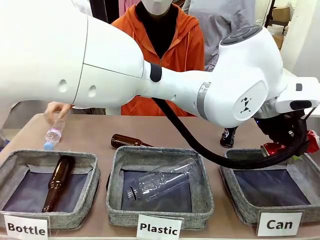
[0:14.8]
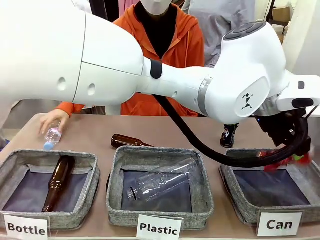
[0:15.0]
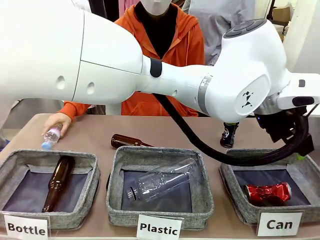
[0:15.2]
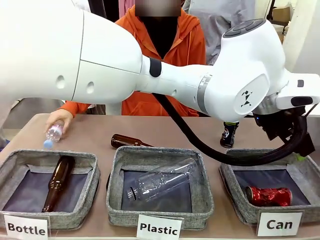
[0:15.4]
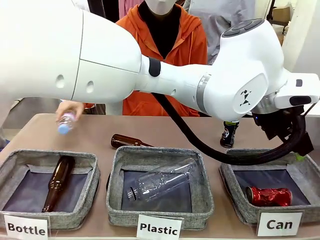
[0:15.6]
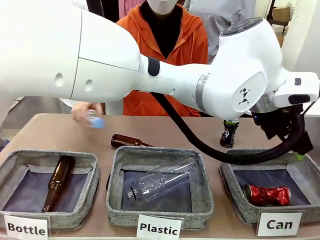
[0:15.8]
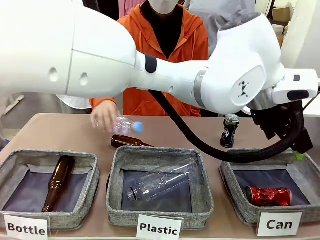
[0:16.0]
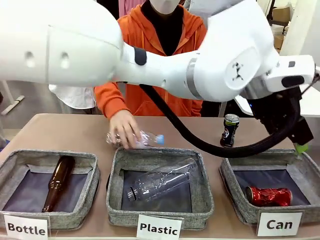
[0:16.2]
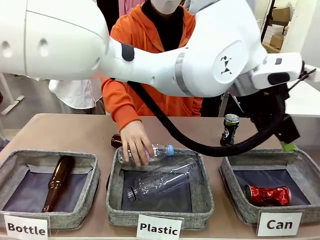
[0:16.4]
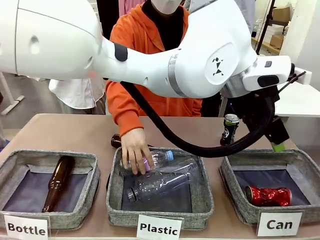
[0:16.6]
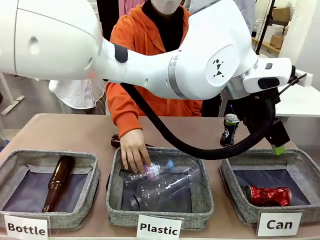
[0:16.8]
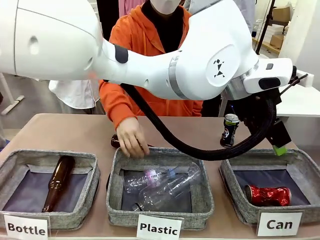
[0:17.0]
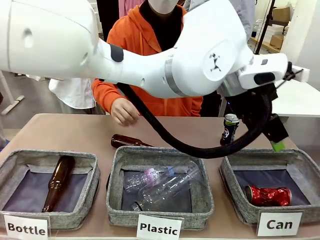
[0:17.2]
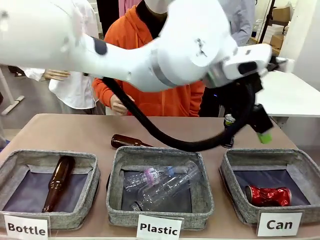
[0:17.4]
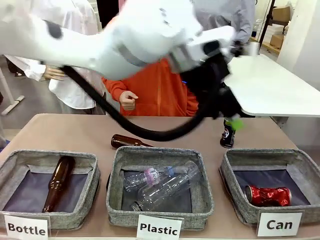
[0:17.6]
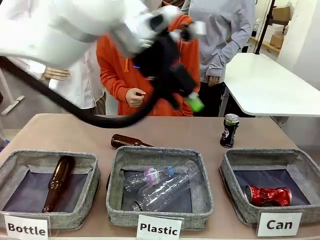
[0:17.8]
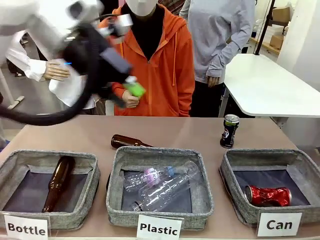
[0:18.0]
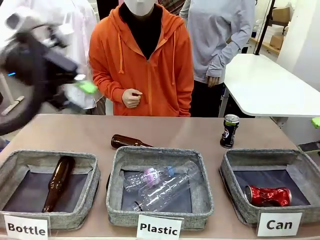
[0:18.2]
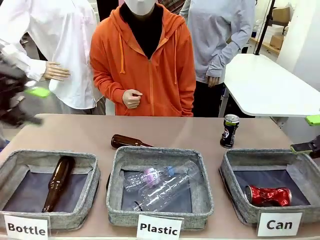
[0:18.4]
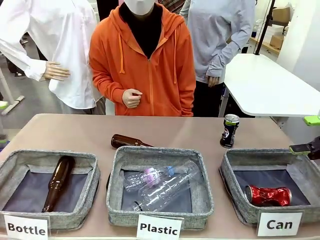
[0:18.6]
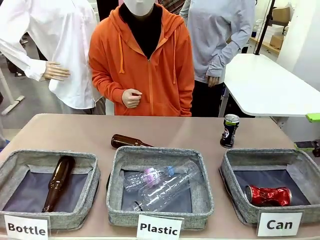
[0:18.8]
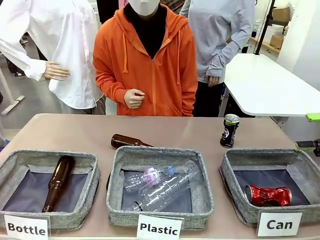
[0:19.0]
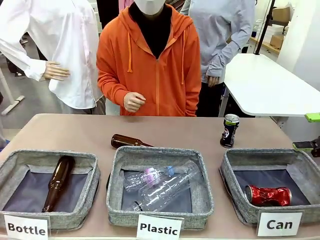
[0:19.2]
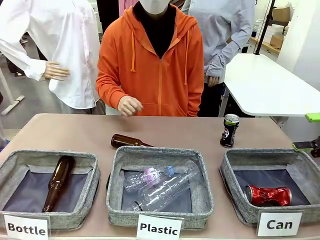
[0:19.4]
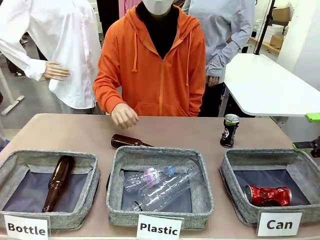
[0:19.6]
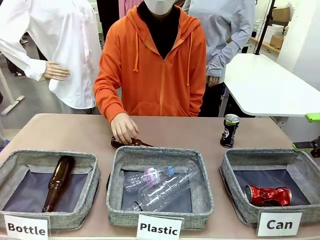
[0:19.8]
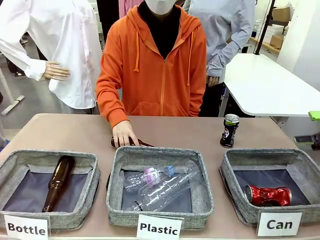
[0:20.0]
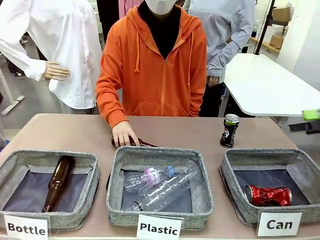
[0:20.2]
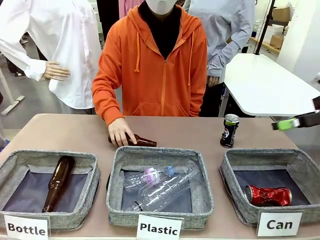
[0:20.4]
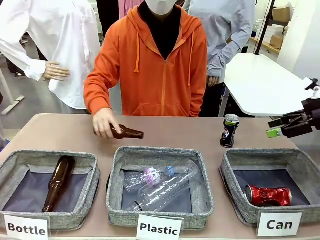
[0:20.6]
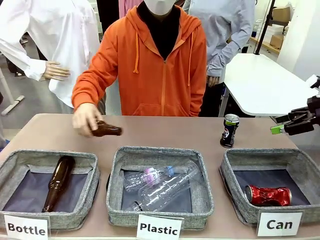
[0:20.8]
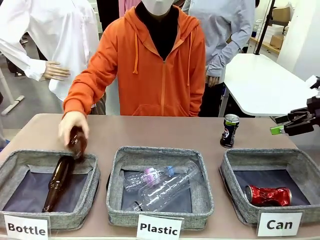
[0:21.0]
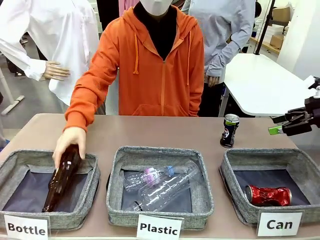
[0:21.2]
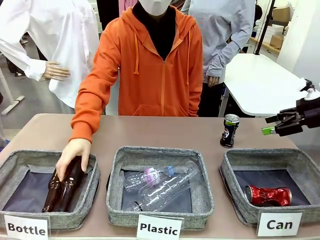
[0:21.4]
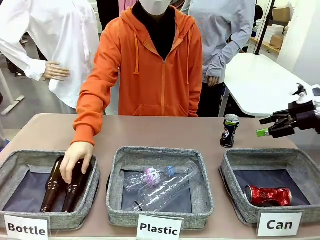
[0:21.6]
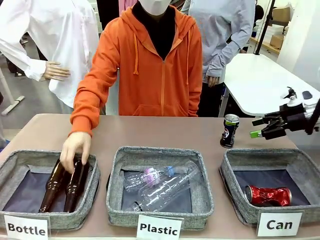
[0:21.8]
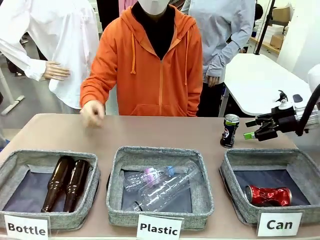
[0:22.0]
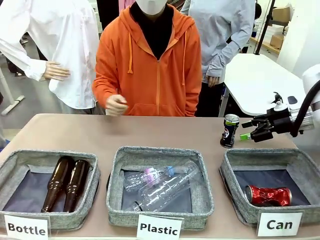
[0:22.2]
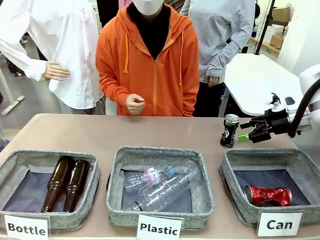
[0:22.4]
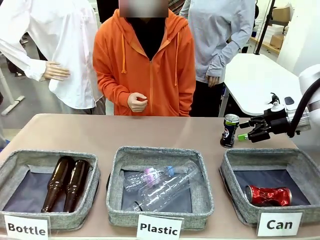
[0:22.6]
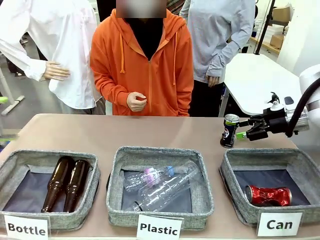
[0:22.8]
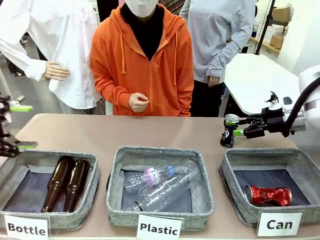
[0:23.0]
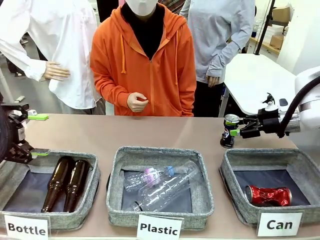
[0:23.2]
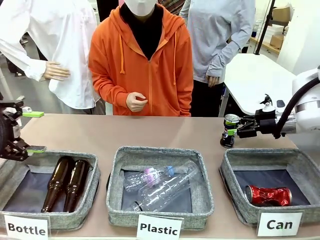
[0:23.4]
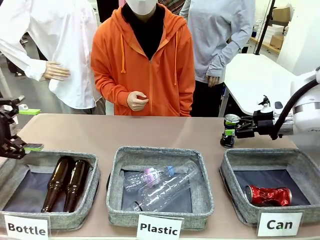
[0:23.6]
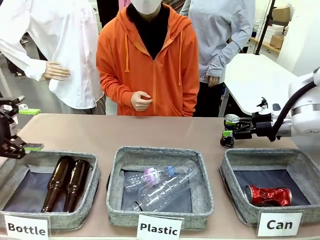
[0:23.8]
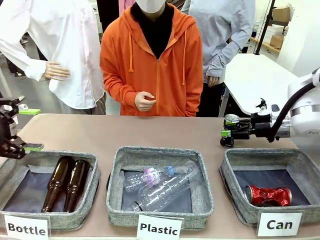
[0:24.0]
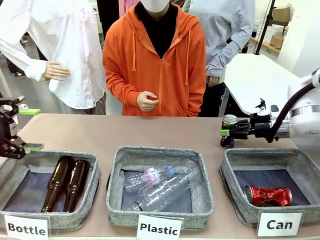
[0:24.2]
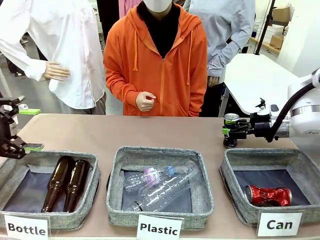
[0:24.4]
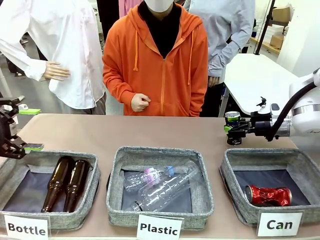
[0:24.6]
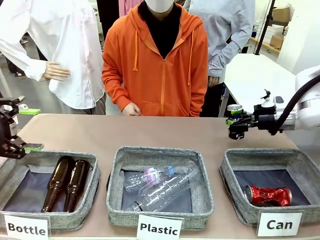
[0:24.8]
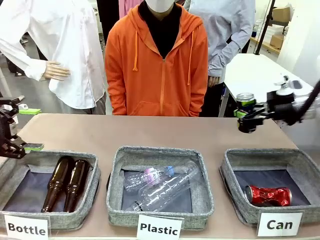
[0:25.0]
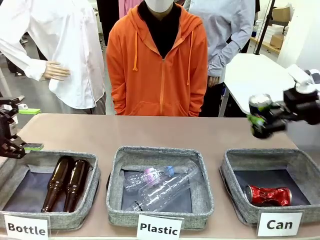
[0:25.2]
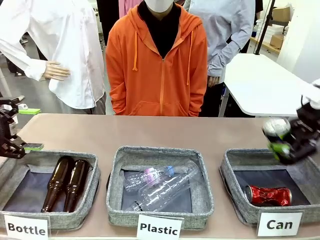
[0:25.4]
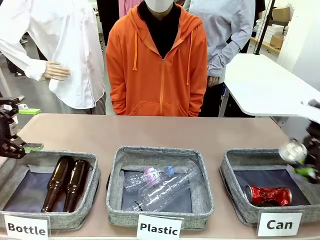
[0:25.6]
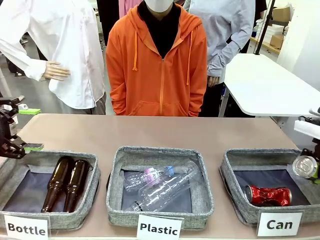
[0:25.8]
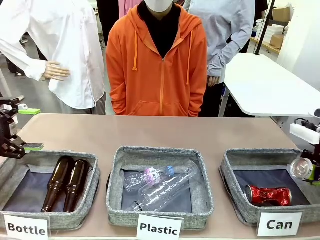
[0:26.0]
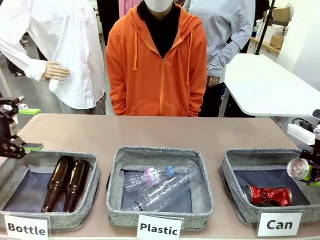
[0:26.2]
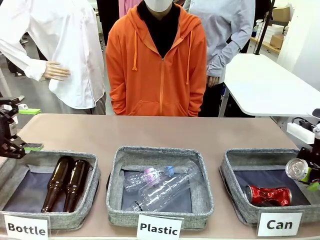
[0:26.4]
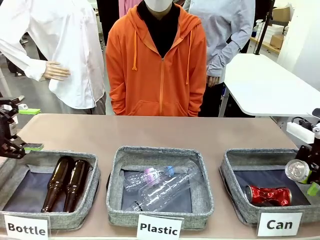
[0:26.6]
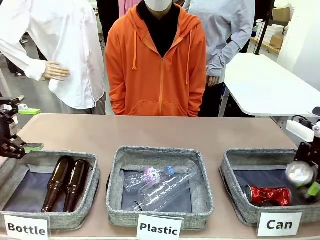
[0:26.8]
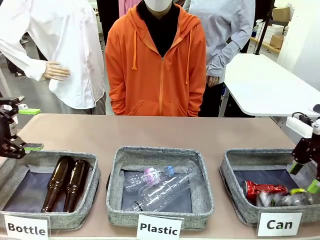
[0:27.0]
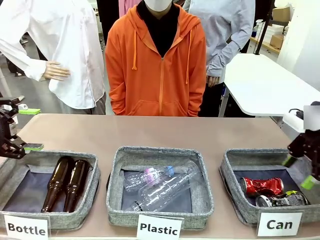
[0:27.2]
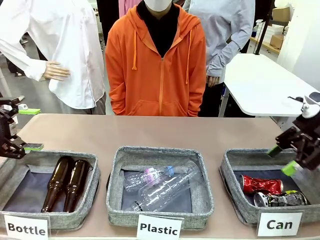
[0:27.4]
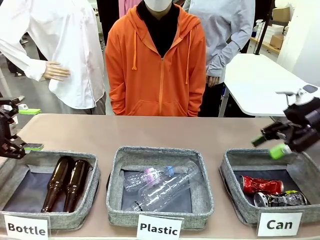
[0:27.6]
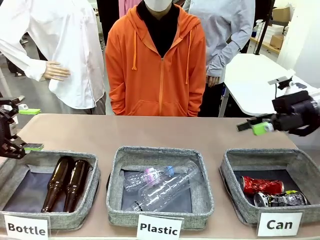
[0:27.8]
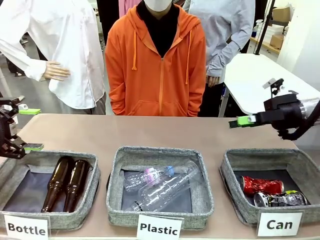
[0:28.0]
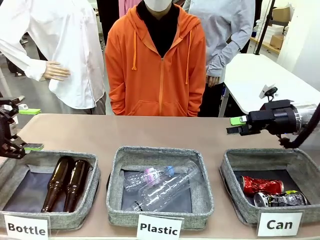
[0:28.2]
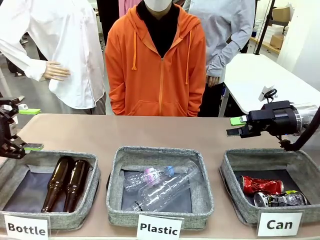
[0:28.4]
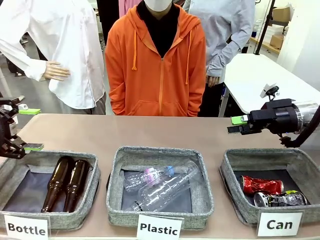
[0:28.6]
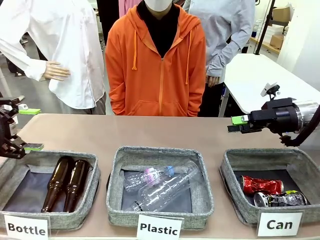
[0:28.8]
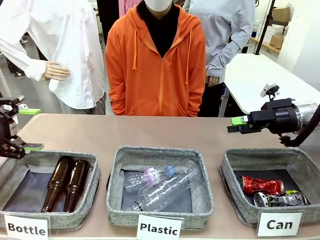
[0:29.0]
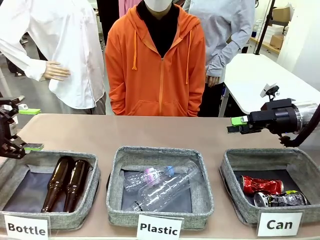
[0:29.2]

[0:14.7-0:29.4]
Task: Sort the can waste into the basket.
Robot: Pick up the can waste from the table and place it in the right Fabric basket.
